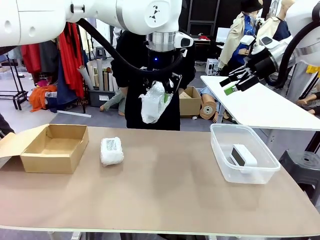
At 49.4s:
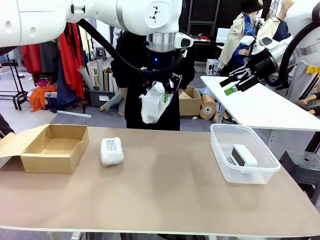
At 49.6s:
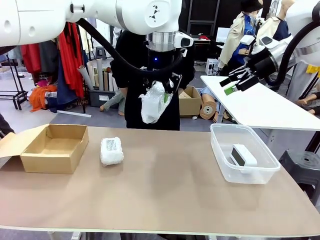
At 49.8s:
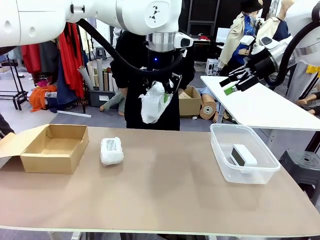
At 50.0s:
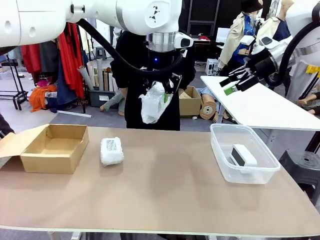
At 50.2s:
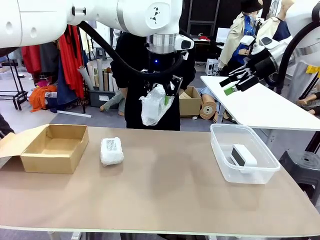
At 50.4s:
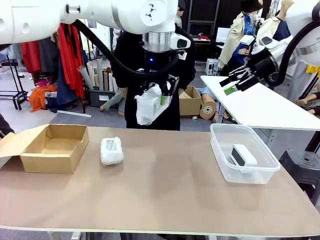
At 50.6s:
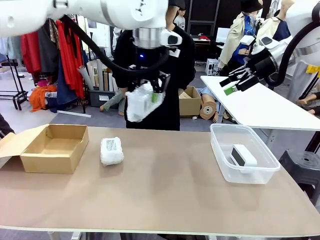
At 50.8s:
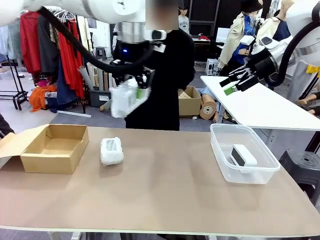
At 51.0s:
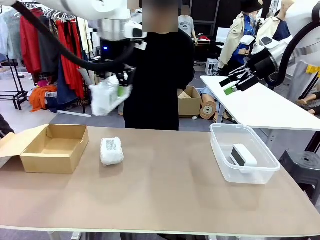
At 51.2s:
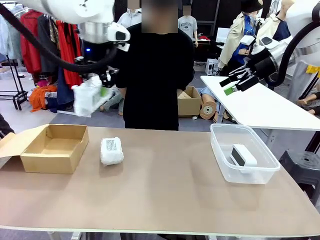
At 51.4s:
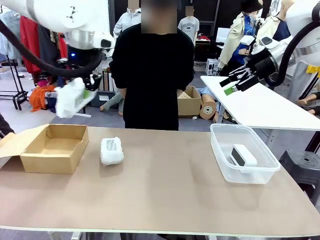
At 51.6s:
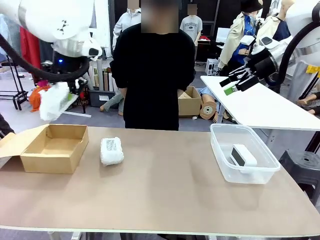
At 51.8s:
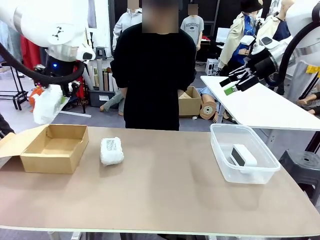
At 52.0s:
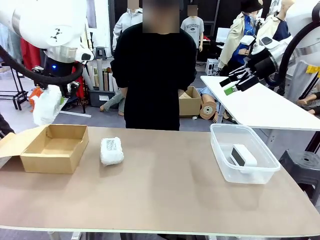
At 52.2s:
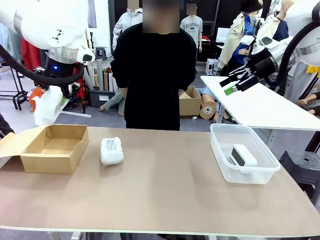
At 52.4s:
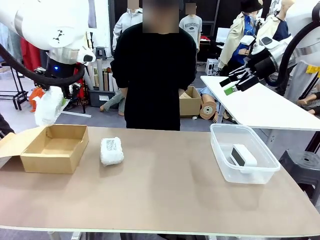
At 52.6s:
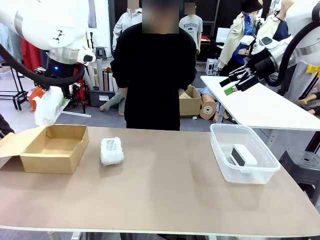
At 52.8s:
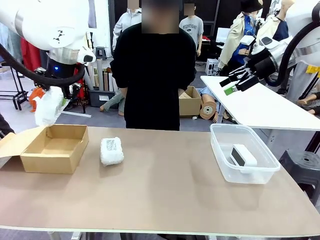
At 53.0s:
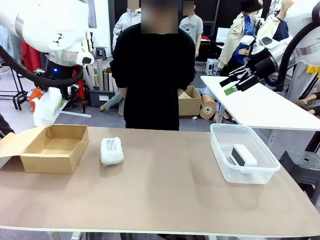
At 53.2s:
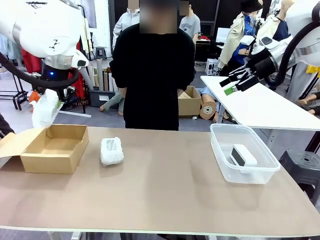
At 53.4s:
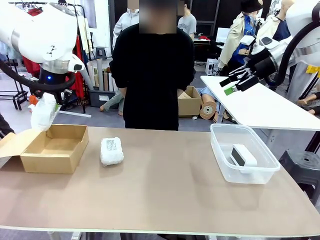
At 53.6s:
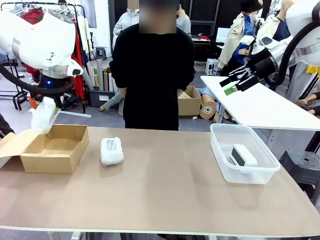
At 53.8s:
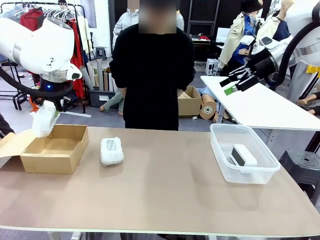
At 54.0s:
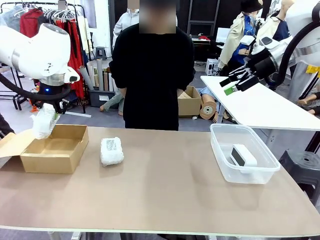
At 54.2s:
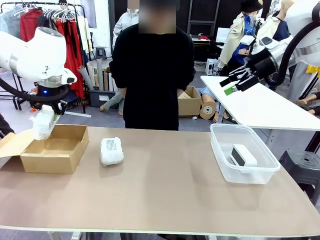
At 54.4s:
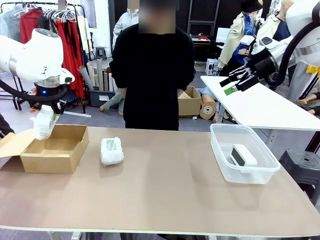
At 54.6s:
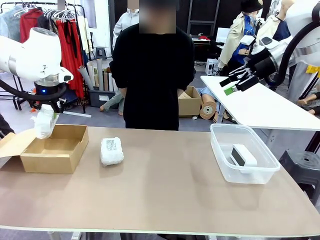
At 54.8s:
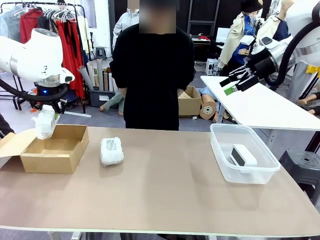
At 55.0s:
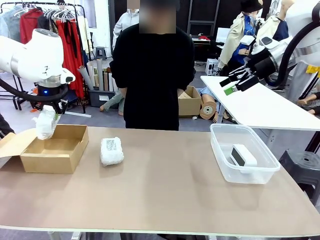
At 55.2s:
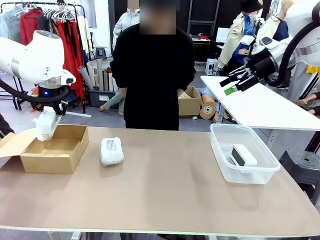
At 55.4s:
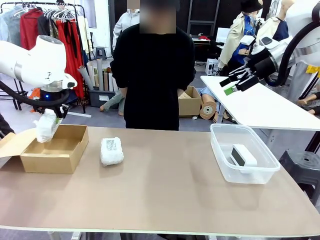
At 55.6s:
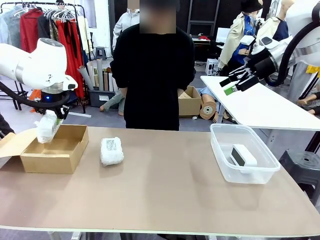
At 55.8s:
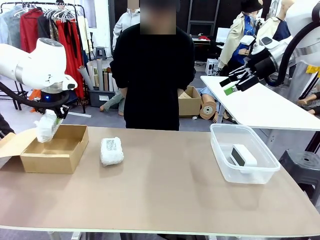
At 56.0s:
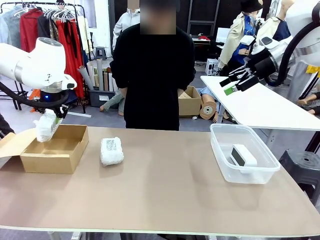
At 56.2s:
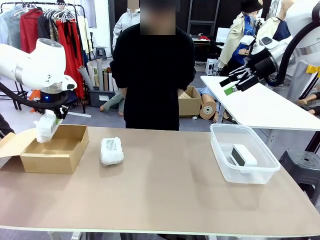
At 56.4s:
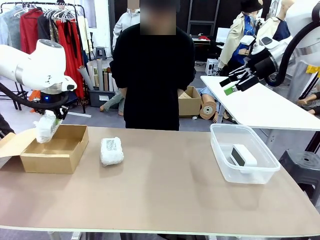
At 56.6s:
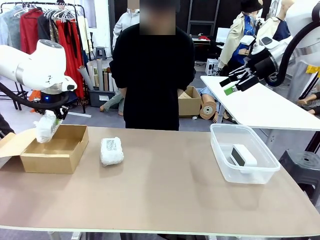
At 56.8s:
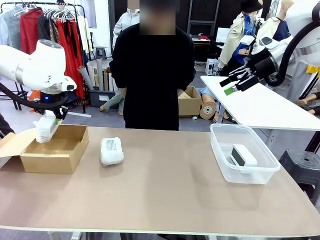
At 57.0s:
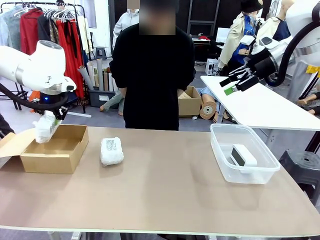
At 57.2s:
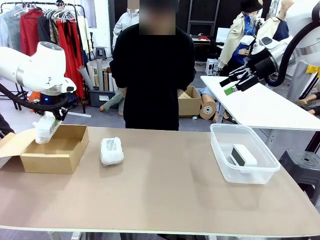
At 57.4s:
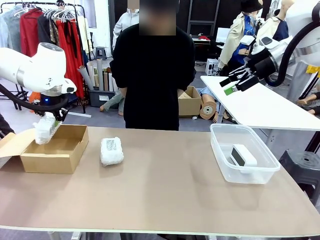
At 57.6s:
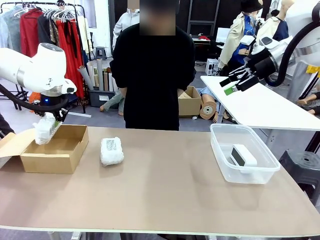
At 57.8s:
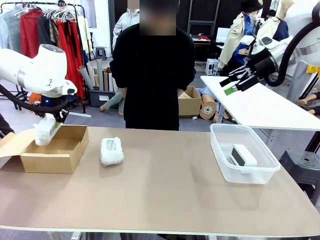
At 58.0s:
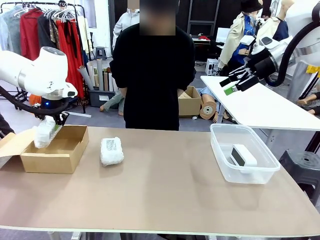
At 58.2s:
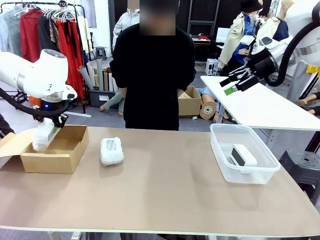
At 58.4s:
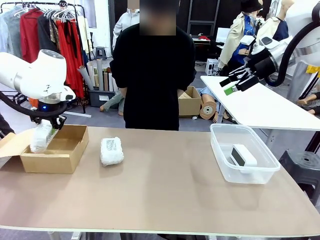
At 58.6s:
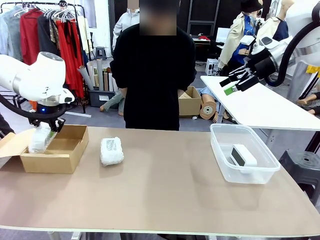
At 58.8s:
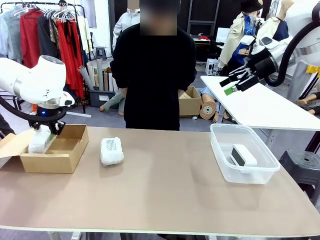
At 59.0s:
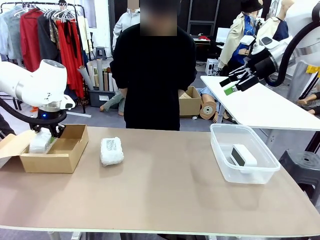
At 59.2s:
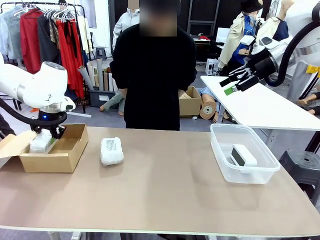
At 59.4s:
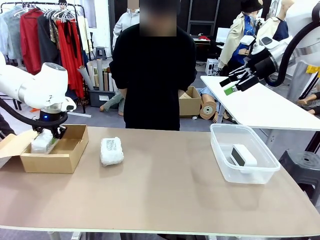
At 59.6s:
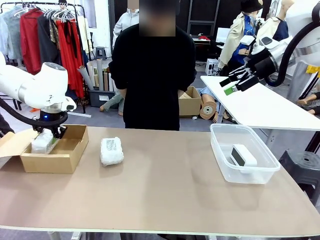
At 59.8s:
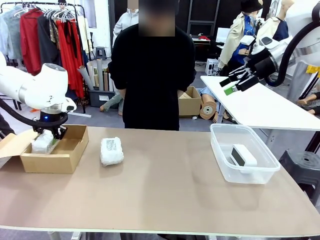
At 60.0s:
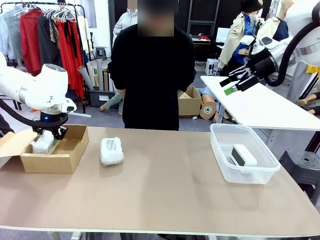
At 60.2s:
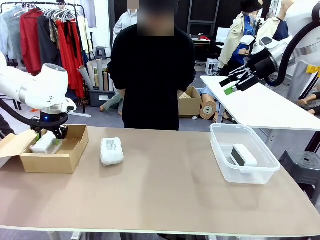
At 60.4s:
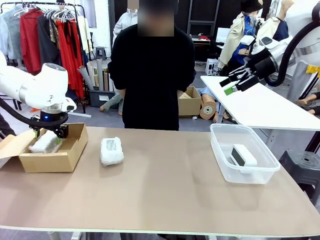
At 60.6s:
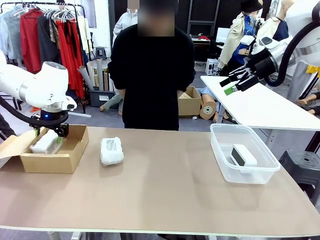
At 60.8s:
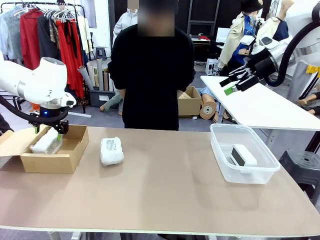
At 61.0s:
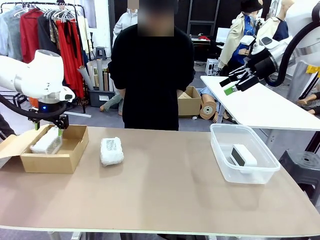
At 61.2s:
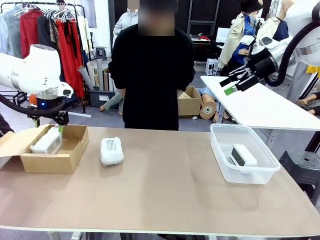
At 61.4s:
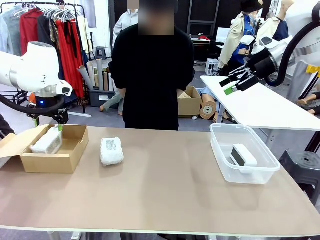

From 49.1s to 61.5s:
Task: Separate and place wrapped and unwrapped clocks.
Robot: If the picked Digital clock is wrapped, place it in the Package Box ; if not, place it in the Organizing box.

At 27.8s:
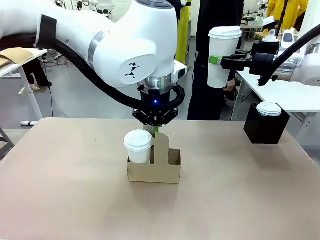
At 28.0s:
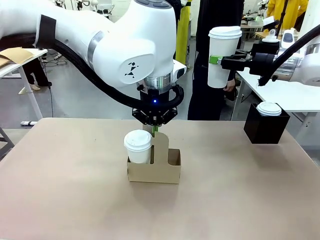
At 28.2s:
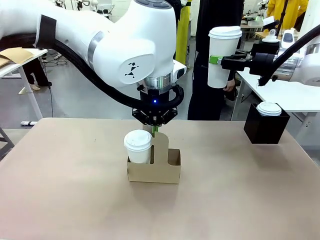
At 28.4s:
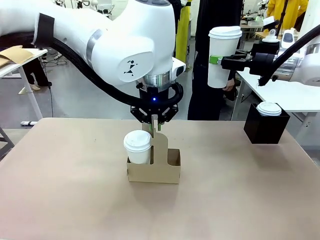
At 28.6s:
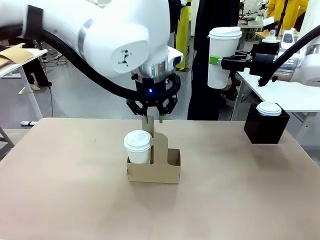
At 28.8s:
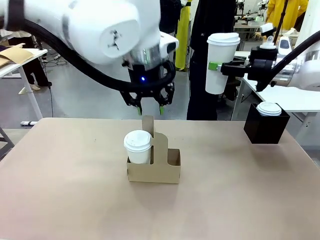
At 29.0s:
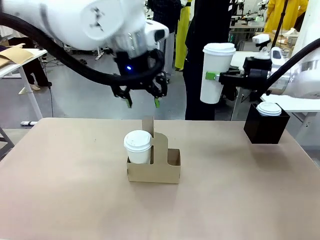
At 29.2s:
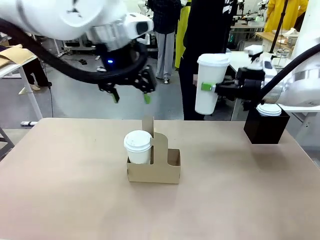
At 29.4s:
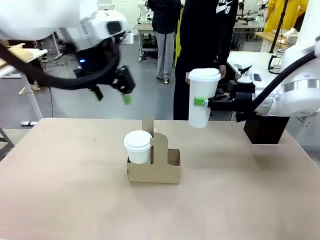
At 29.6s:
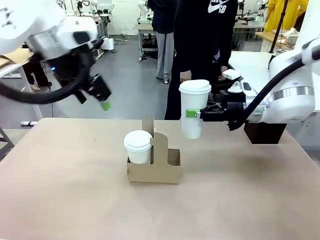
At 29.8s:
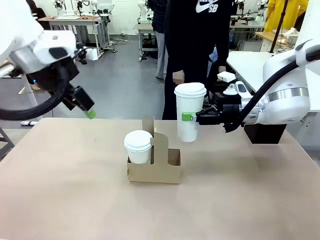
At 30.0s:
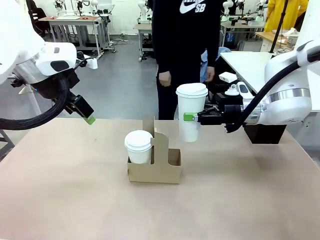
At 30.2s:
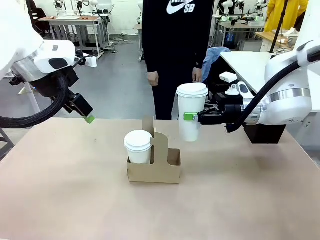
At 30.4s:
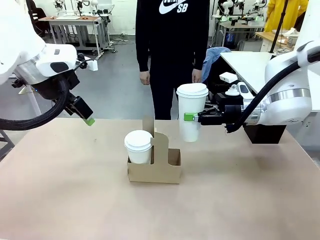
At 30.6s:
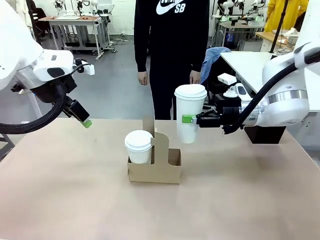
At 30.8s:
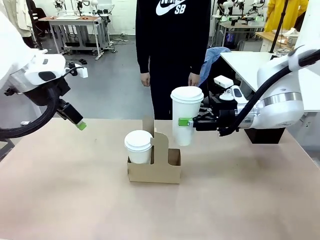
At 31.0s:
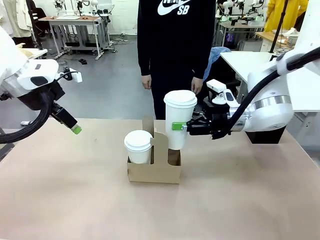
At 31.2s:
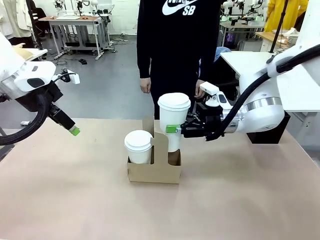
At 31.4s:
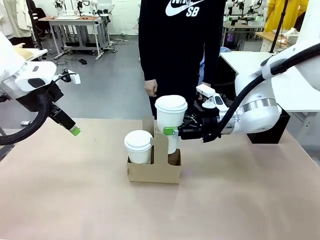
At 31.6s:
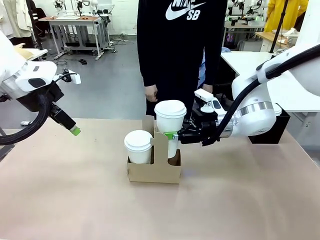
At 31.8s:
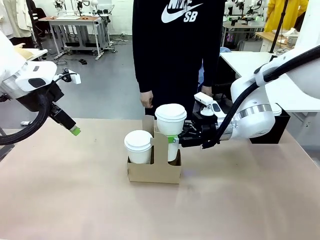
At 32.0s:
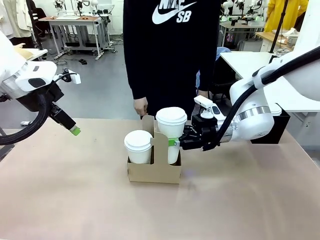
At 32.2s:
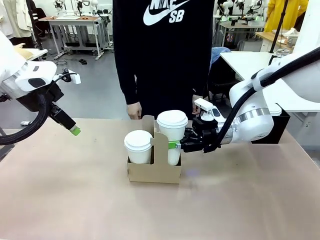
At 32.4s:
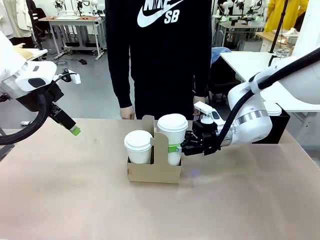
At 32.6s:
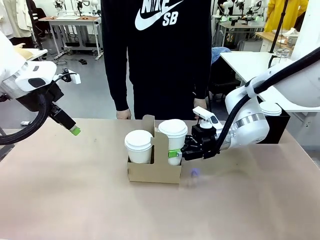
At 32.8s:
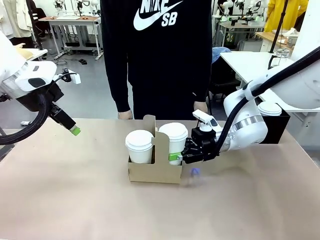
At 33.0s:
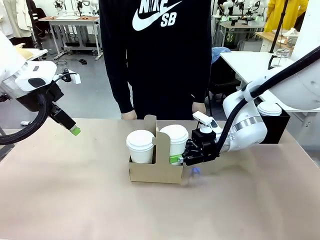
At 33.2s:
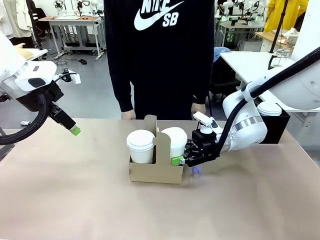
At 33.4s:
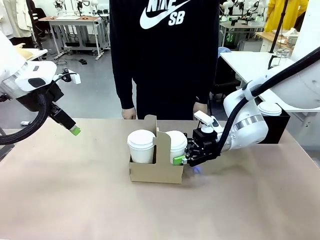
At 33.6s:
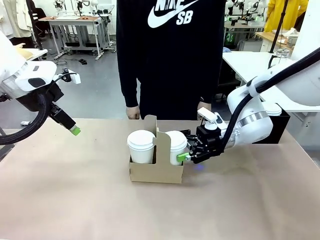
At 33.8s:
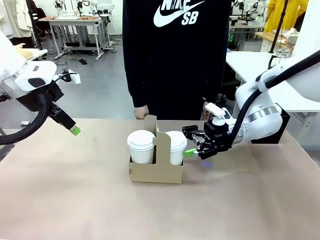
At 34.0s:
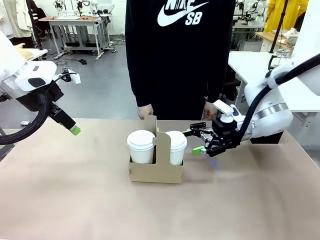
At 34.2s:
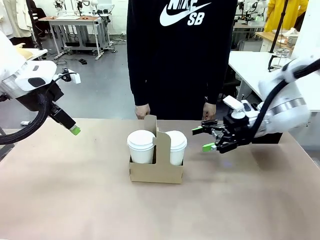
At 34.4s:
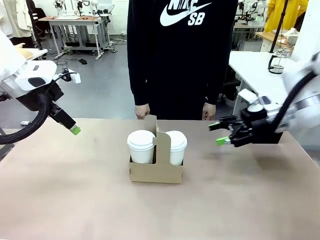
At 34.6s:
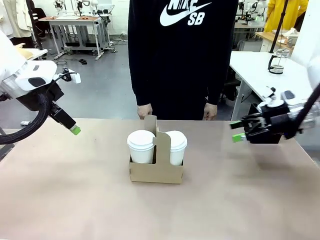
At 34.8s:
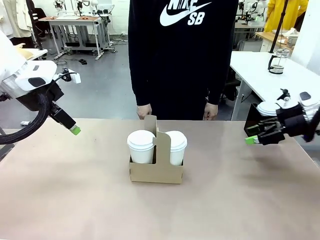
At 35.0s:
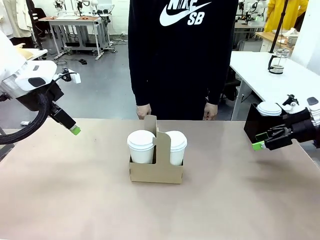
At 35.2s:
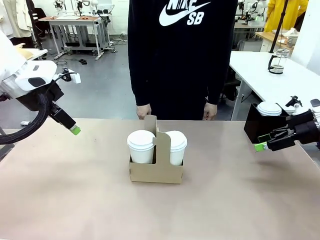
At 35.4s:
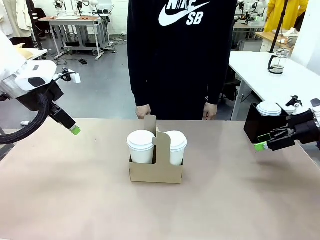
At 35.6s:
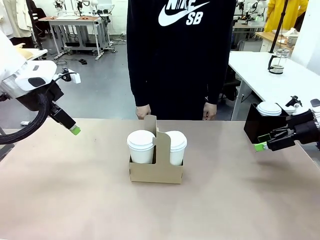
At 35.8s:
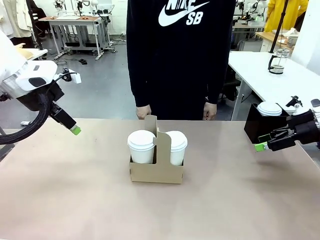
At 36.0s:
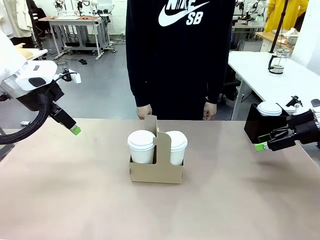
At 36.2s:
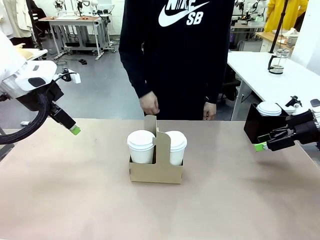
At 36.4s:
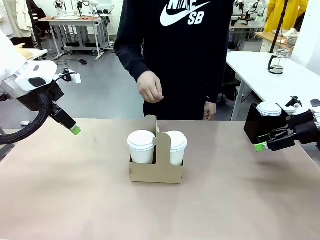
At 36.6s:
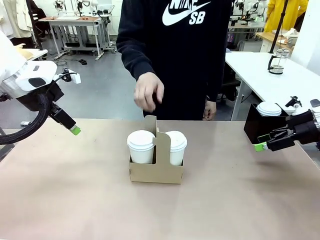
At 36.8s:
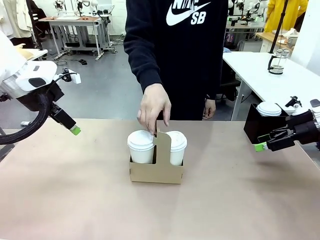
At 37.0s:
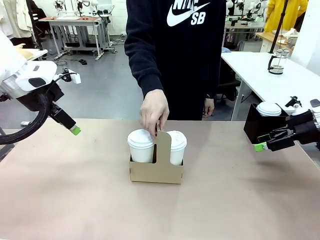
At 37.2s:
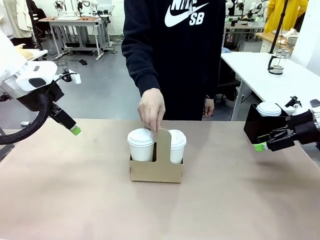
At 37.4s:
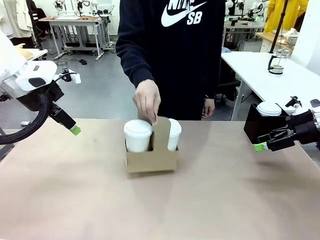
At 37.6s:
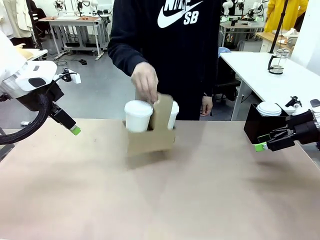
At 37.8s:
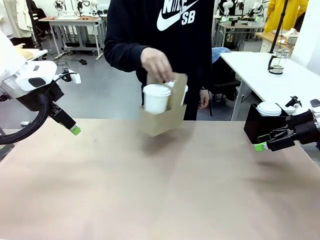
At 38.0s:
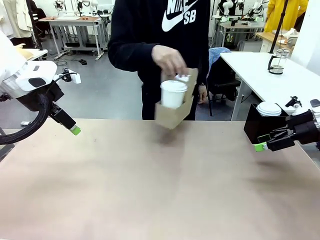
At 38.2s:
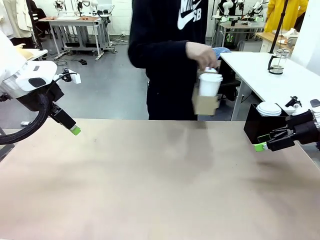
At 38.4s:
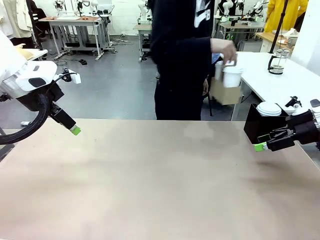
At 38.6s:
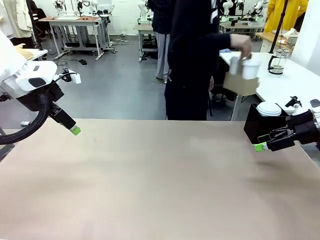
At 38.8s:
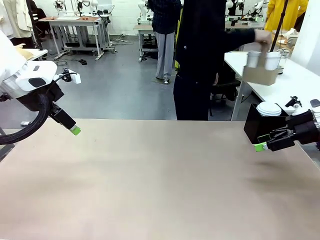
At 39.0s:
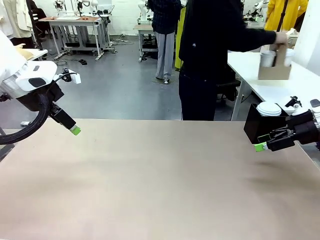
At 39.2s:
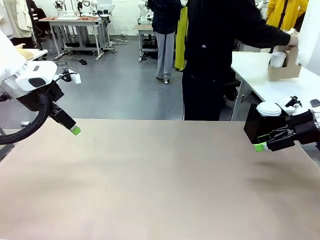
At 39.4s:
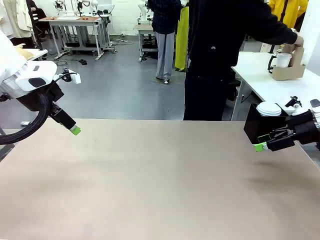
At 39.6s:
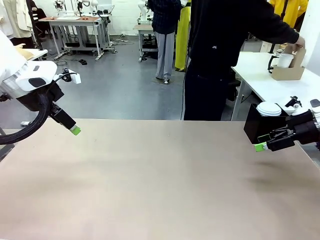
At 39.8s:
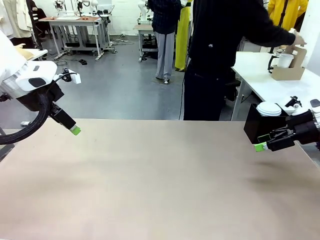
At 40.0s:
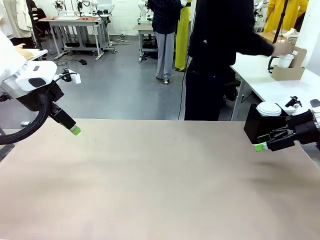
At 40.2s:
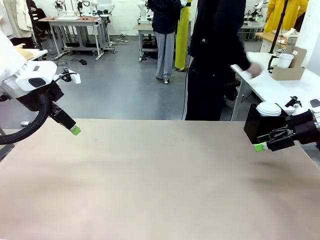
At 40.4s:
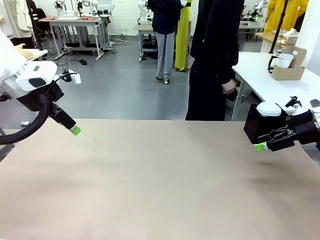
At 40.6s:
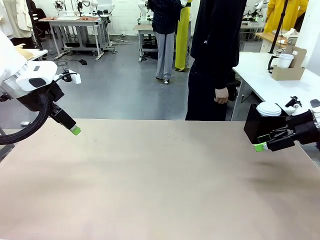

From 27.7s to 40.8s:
Task: Pour a drink into a cup and package it in a carrier.
Robot: Insert the held 600 ml Paper Cup into the Cup Carrier.
Person: Place the Cup Carrier to the middle of Human table.
